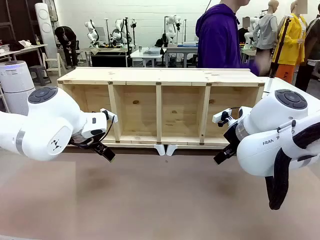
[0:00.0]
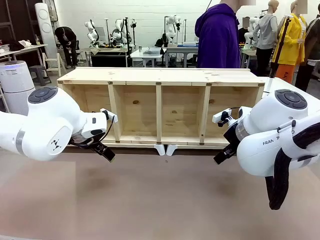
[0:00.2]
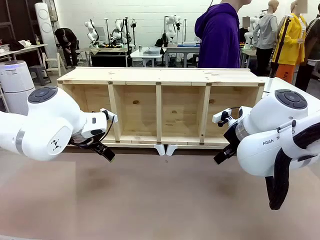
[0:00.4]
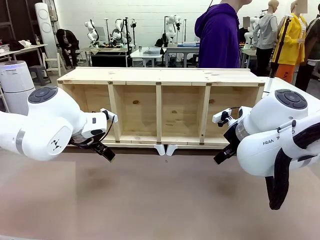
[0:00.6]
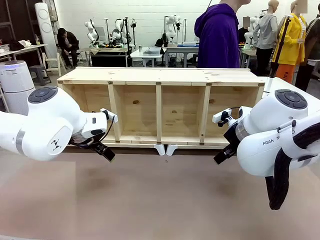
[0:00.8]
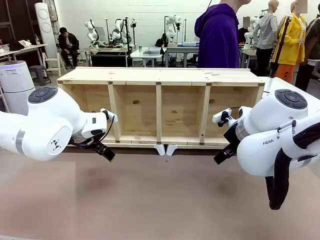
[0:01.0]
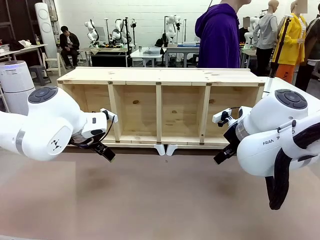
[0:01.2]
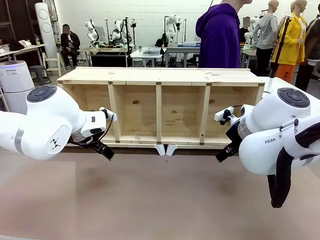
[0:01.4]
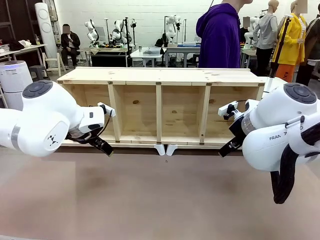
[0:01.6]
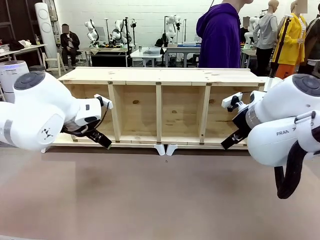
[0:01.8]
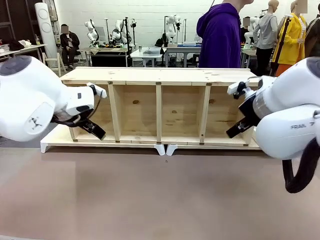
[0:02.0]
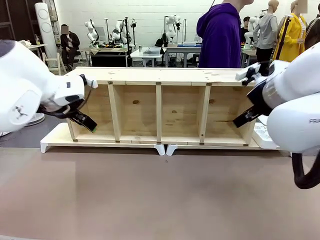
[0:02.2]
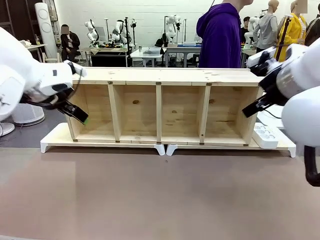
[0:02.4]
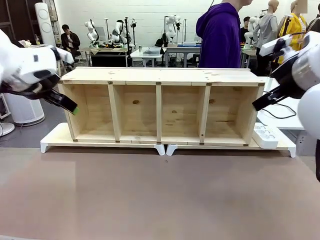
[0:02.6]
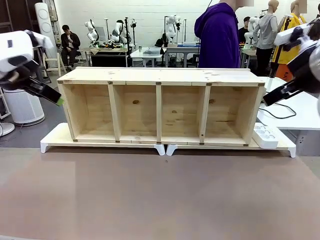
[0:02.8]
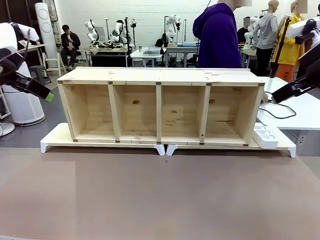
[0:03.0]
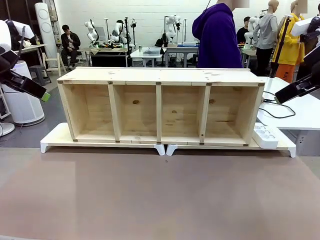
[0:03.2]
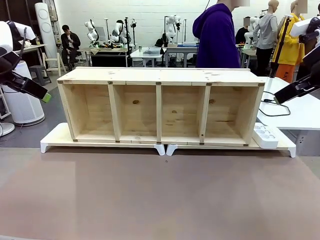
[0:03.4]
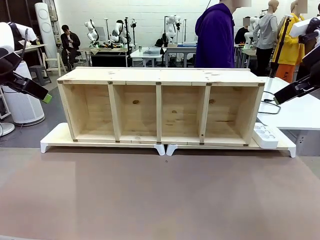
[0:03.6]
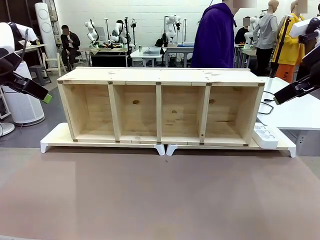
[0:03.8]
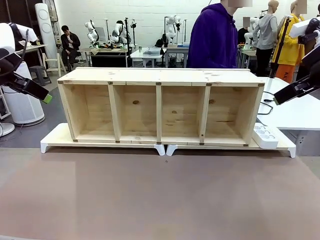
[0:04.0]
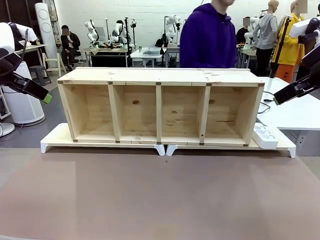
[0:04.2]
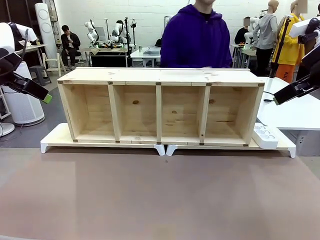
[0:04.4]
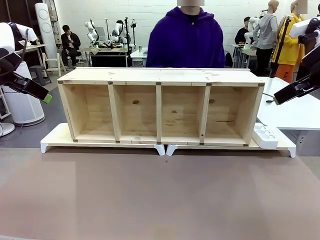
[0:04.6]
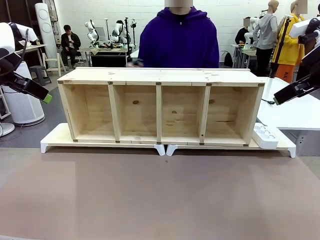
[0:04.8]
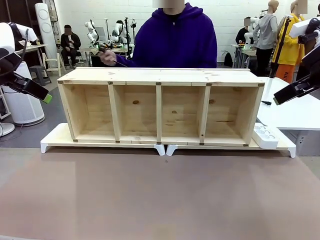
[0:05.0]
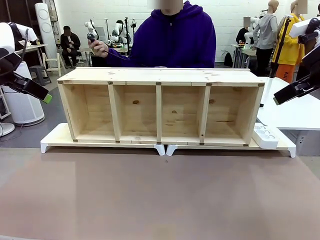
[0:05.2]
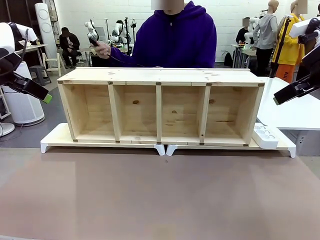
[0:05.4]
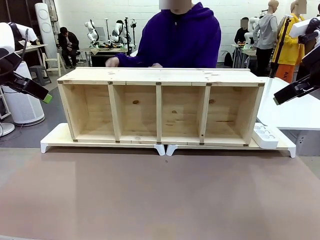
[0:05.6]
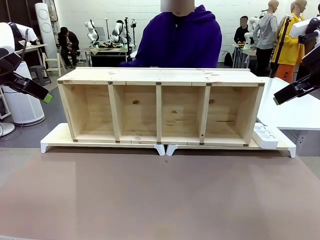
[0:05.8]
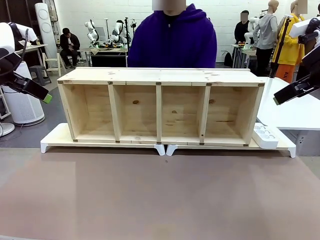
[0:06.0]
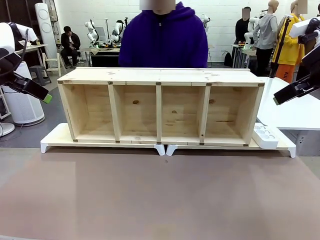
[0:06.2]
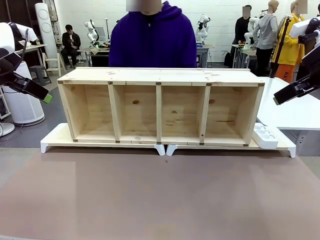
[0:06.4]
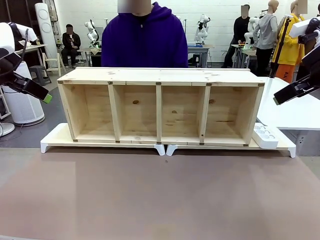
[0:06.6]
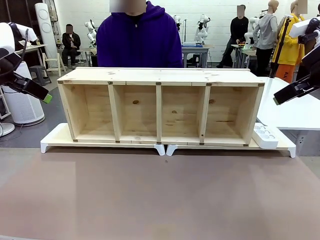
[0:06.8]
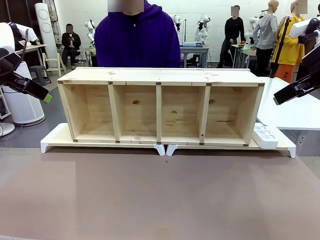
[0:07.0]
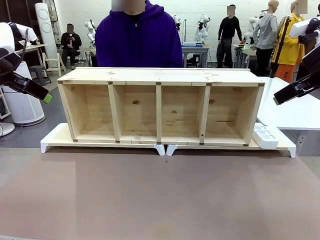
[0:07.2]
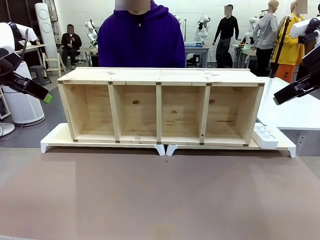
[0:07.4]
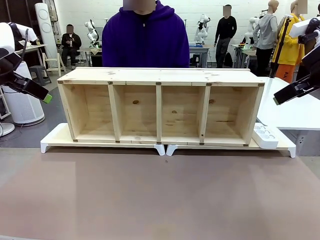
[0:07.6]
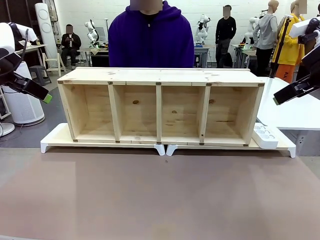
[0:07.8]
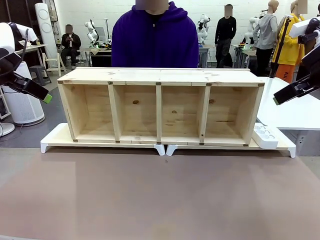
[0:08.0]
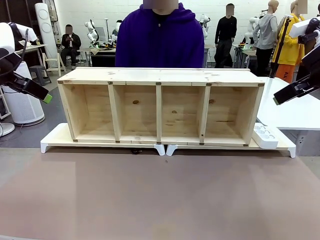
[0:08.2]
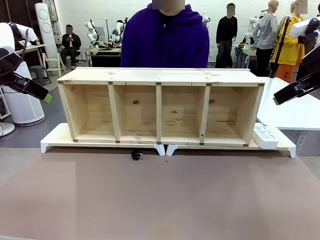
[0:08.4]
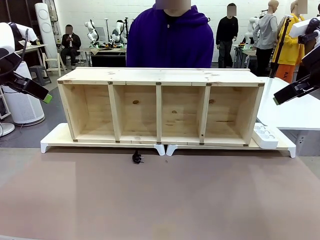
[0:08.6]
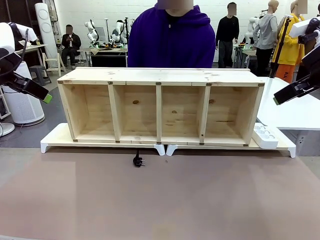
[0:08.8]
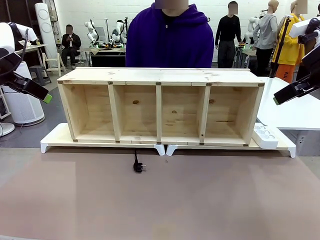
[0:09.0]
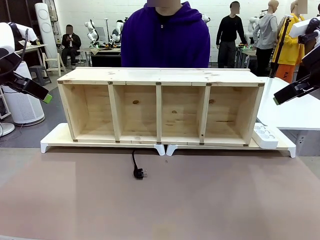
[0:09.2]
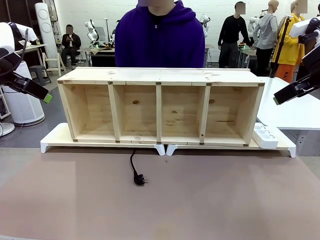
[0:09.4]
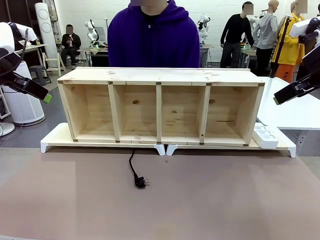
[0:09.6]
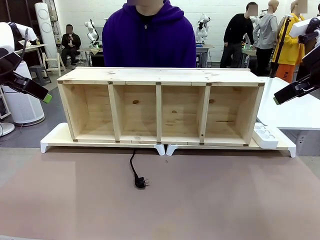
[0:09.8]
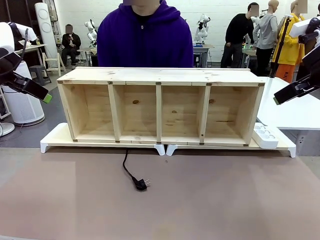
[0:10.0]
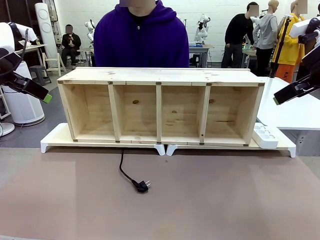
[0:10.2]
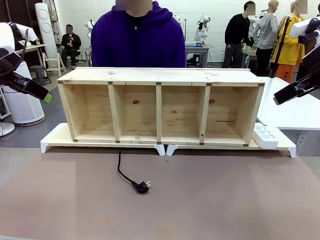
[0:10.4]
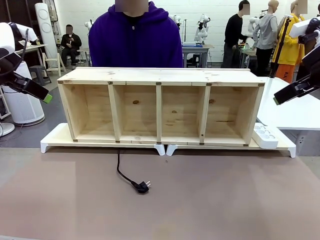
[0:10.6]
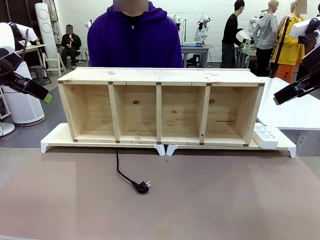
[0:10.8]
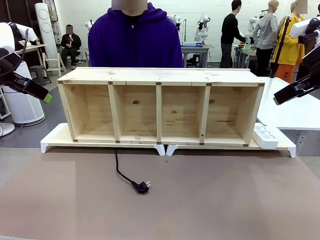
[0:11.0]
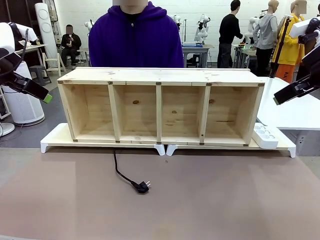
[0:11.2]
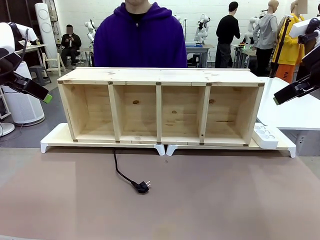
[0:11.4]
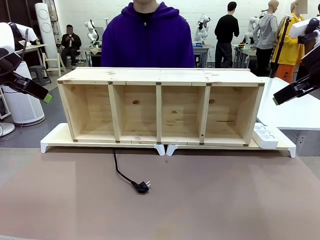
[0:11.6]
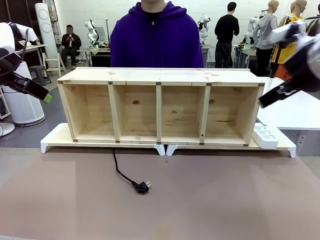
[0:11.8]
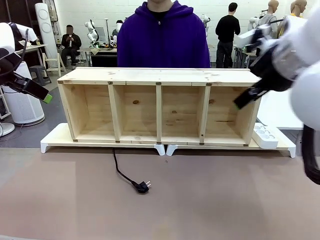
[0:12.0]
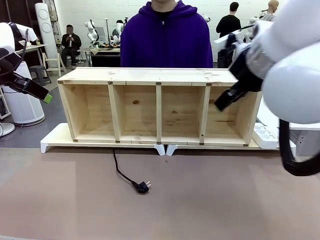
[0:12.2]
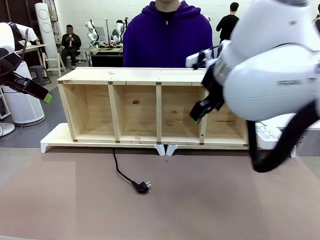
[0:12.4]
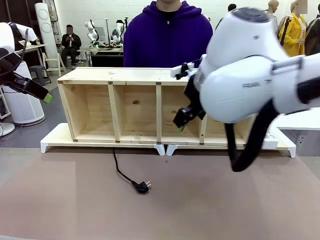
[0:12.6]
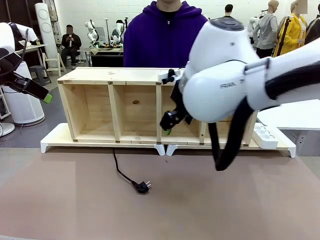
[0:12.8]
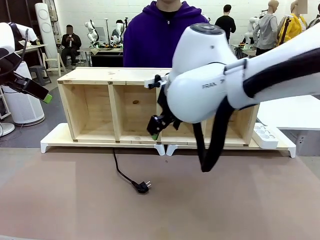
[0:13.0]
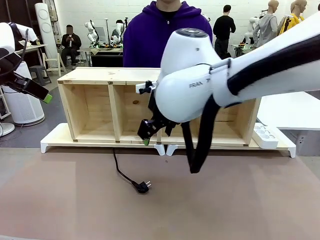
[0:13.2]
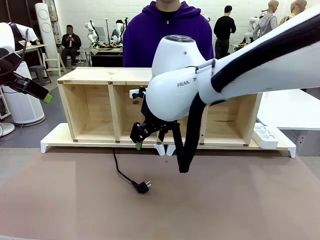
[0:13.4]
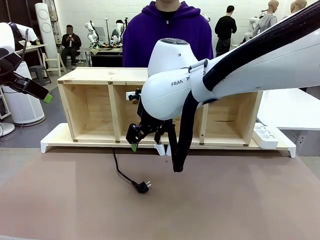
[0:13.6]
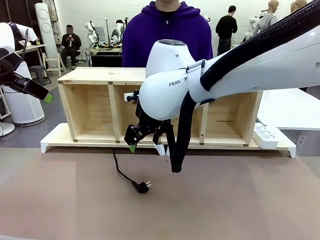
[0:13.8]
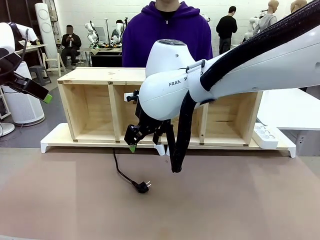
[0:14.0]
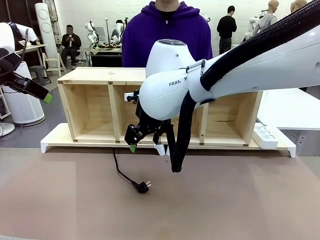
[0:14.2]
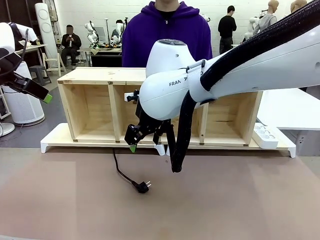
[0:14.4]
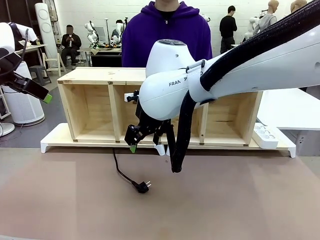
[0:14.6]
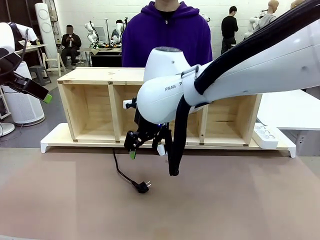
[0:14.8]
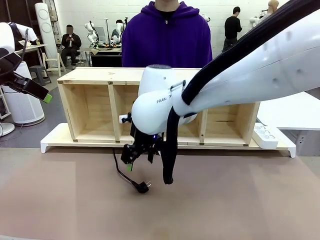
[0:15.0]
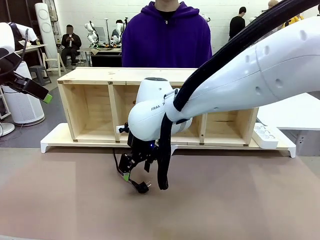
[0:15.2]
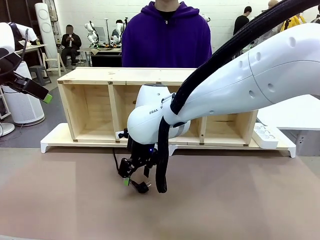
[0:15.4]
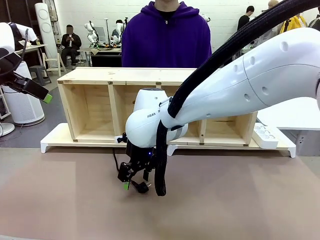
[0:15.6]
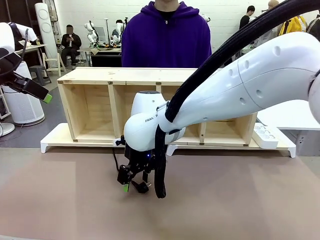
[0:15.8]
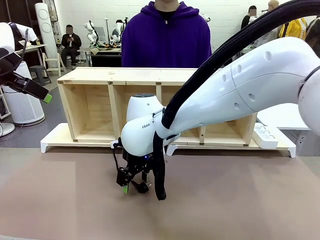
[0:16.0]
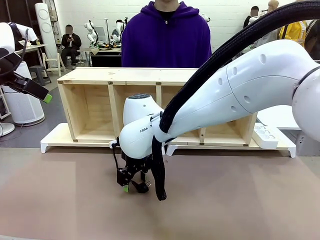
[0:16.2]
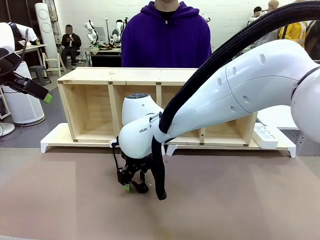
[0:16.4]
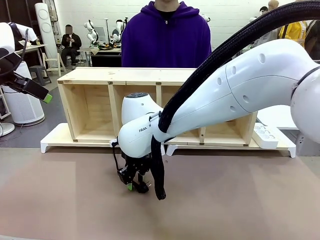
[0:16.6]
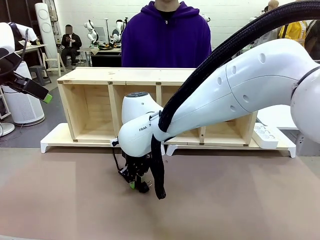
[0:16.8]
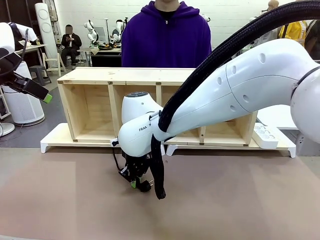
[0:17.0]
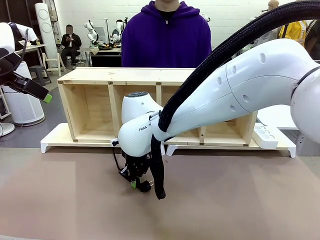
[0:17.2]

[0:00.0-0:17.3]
Task: Perform cable management.
Robot: When the cord part of the Power Cable appears at the lower middle area of the table and stops, grasp the cord part of the Power Cable.
Person: Pass the Power Cable under the Serving Table.
